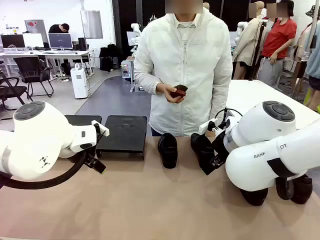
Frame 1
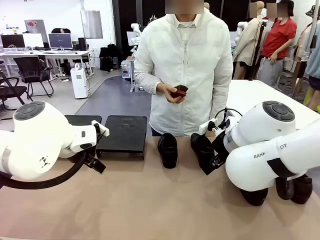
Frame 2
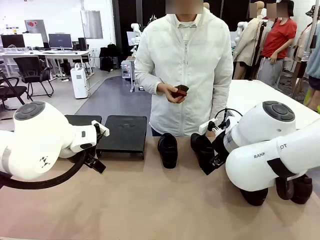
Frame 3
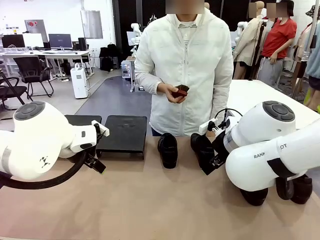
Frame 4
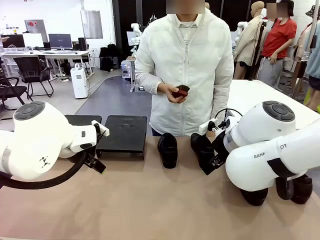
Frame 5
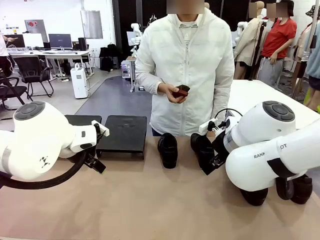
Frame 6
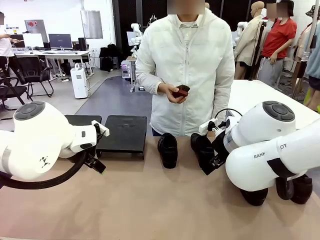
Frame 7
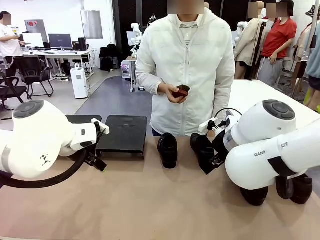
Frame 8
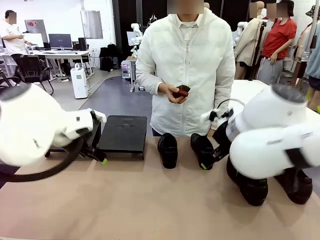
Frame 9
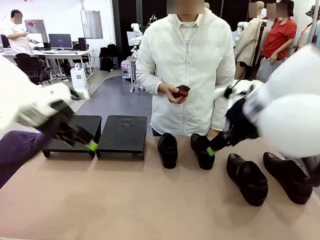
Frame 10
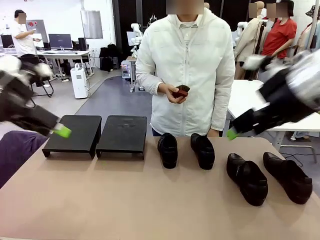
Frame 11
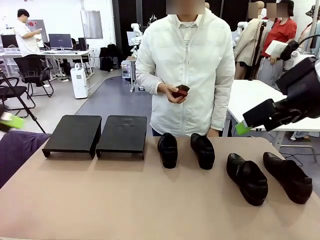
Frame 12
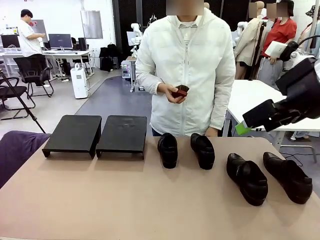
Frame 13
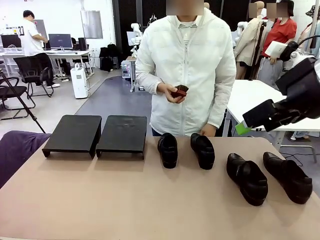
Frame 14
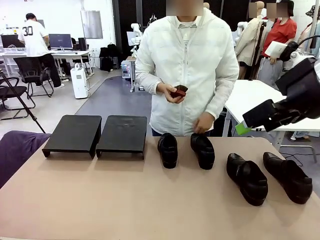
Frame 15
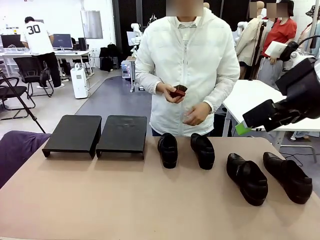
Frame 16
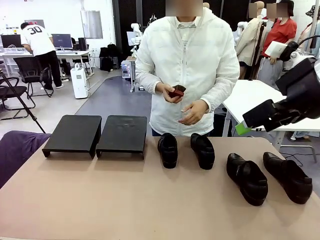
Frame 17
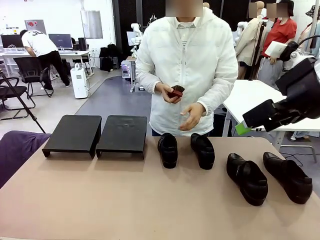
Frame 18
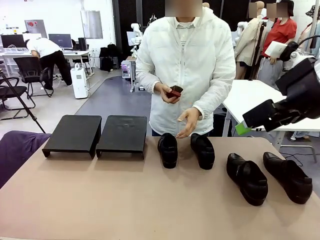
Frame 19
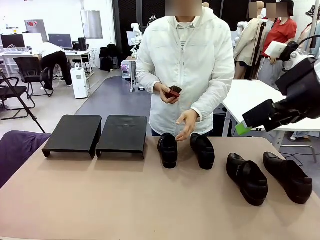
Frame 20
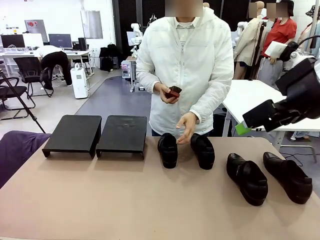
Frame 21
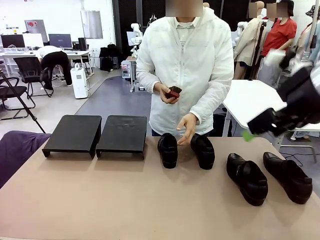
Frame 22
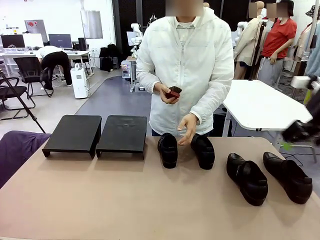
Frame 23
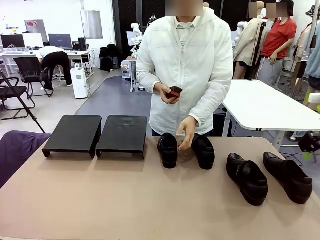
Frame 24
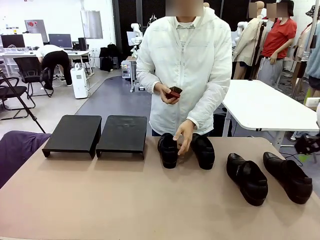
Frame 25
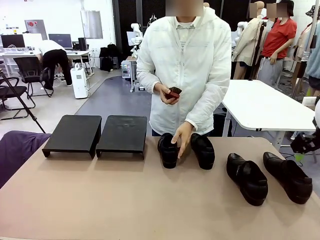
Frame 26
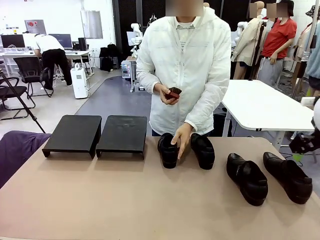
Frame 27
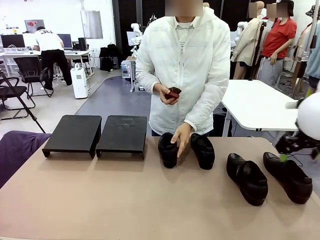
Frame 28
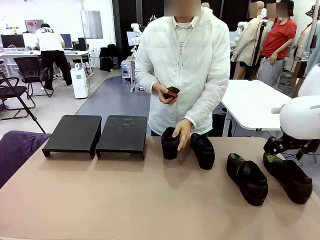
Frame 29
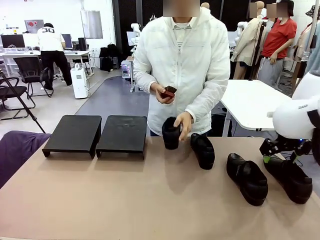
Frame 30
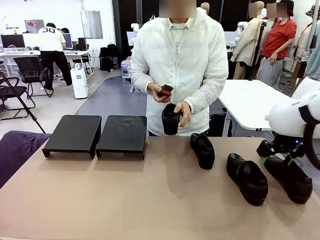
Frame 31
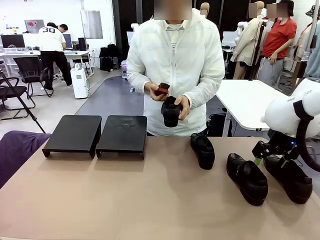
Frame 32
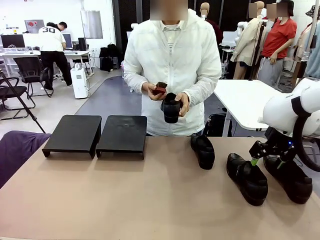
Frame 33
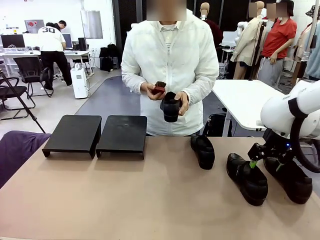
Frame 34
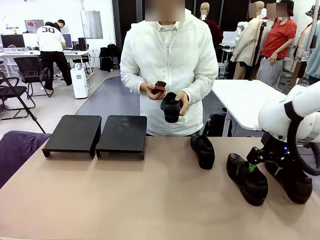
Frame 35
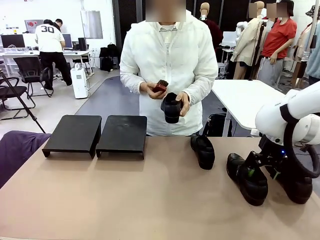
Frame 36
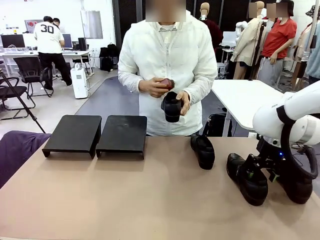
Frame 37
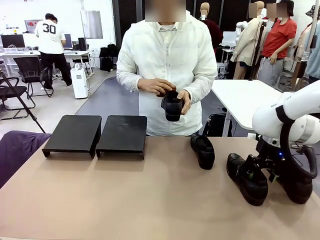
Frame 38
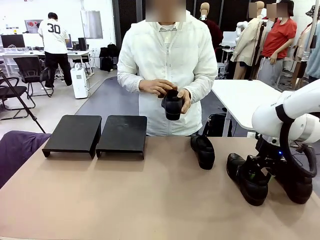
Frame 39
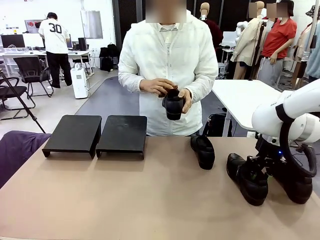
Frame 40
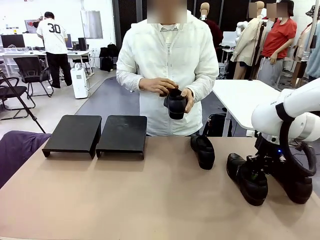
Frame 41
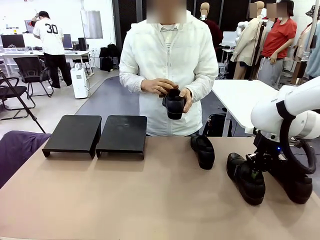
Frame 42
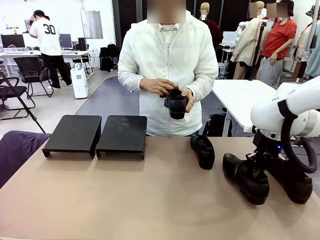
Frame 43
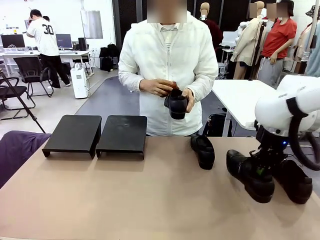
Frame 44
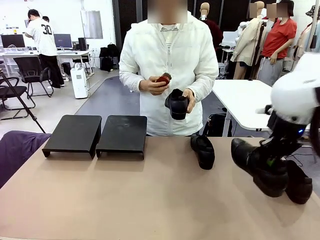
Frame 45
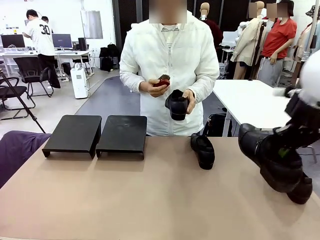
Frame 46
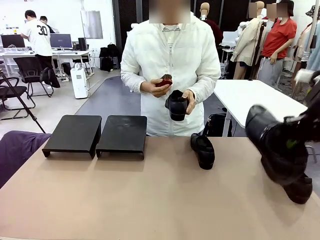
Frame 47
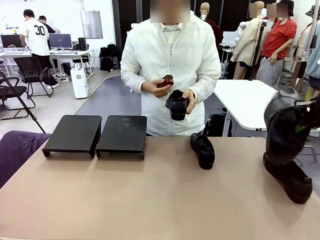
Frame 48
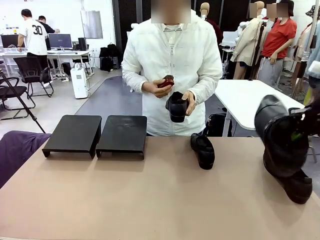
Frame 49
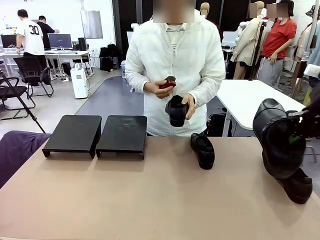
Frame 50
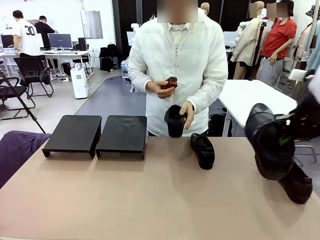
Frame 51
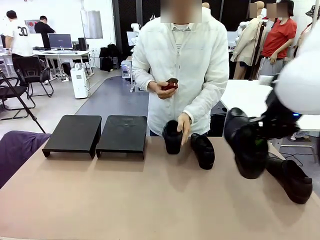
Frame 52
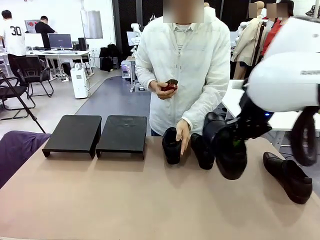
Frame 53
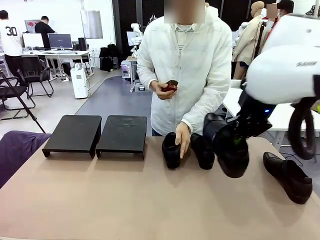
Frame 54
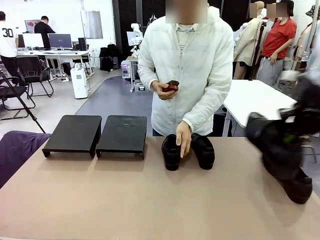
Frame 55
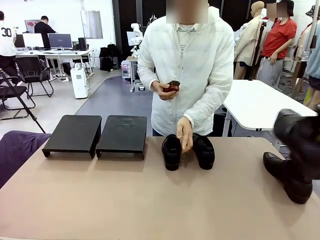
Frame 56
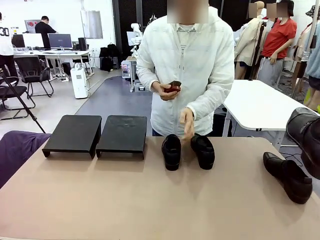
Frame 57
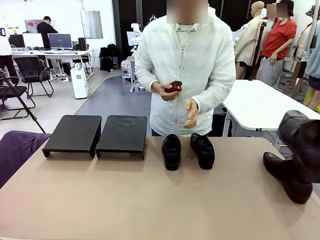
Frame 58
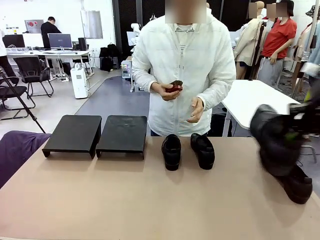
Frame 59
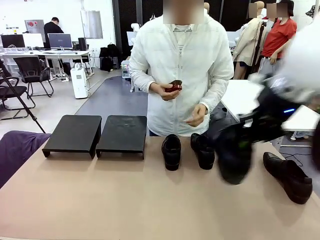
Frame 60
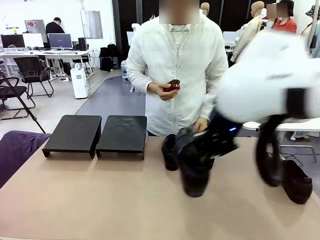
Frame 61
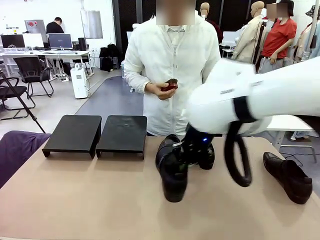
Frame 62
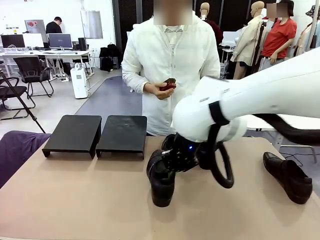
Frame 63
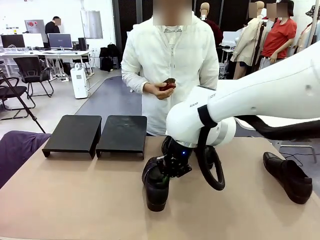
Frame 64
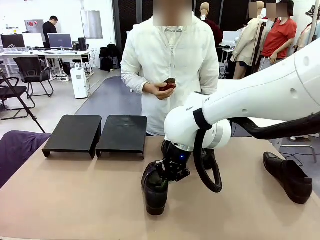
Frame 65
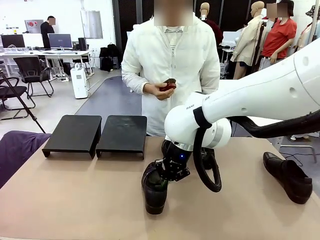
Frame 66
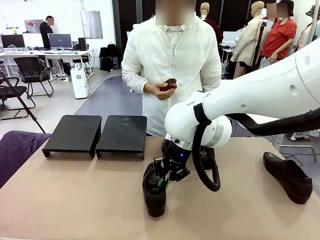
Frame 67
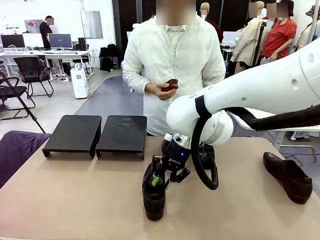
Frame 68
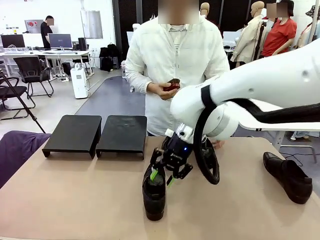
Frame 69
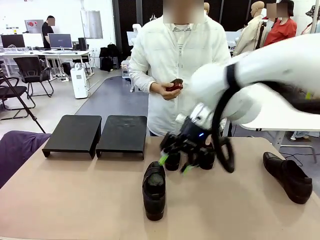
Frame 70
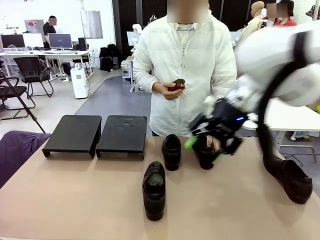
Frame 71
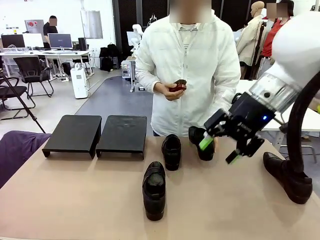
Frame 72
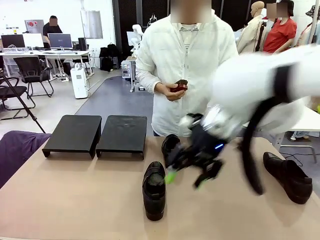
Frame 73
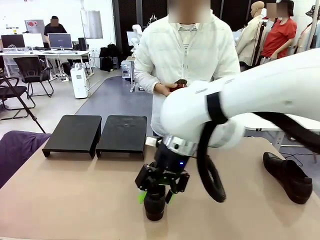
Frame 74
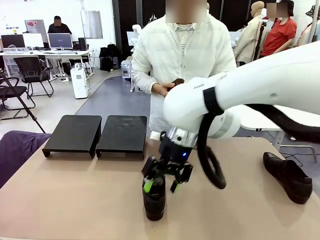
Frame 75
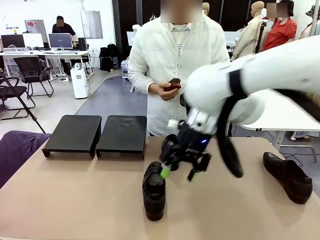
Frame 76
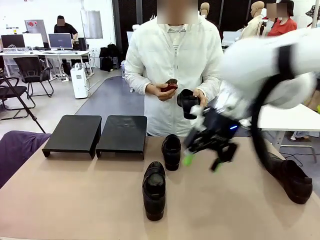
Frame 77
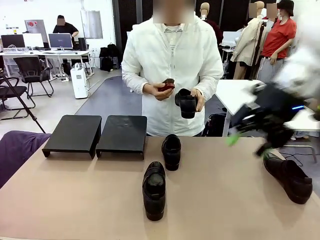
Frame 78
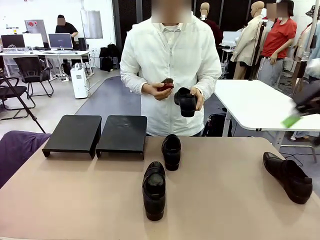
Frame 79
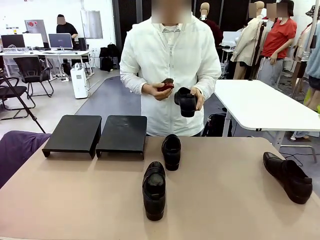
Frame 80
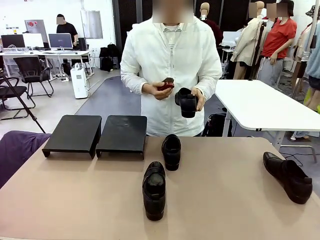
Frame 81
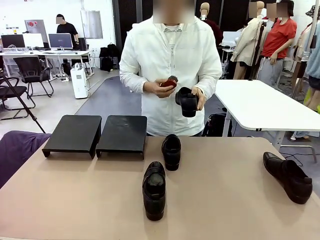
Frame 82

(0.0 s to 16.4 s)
Task: Organize the shoes by placing them on the stand.
Robot: Pick up one Shoe and place it in the middle of the table.
Person: Pick one Shoe on Robot's table. Clean the Shoe with the Shoe Brush. Place the Shoe on left side of the Robot's table. Pick one Shoe on Robot's table.
